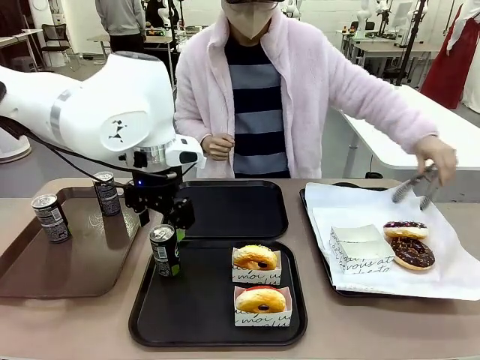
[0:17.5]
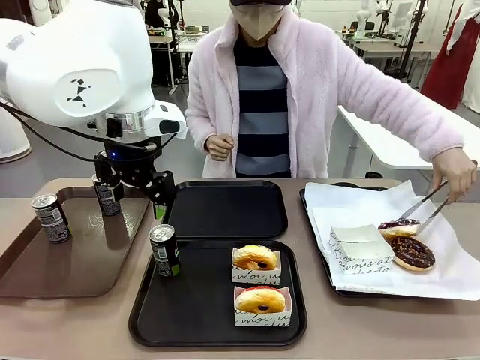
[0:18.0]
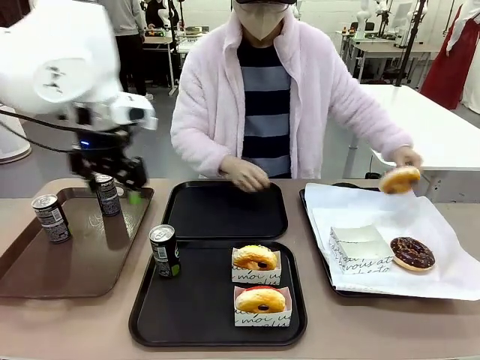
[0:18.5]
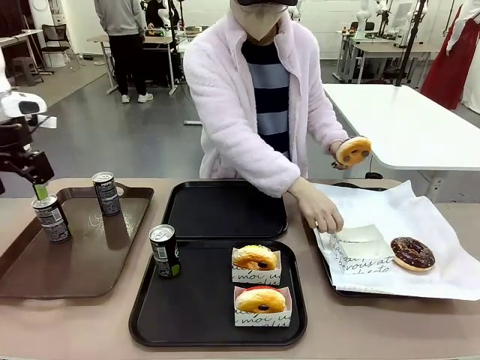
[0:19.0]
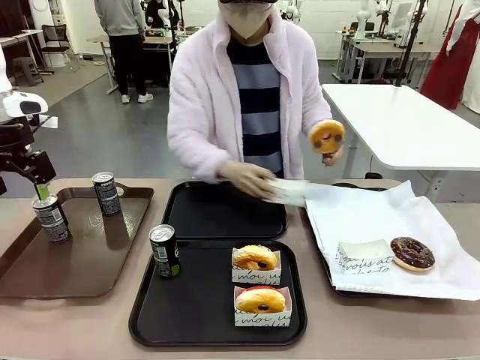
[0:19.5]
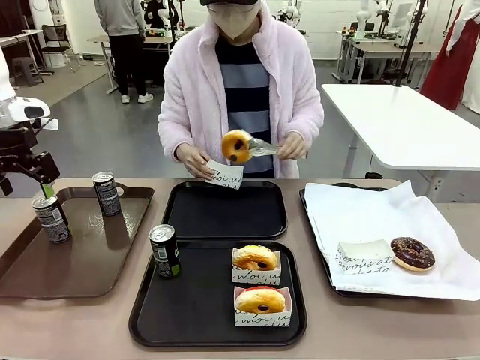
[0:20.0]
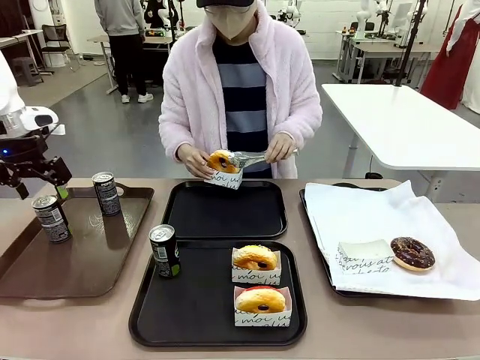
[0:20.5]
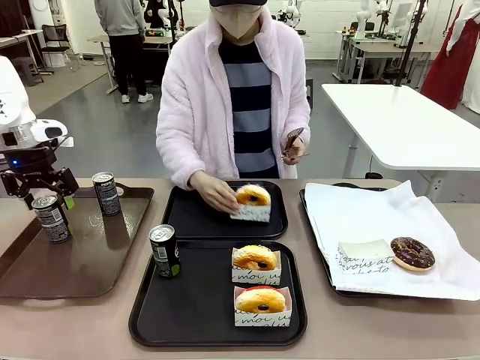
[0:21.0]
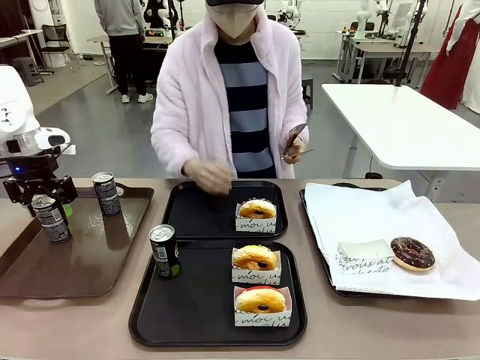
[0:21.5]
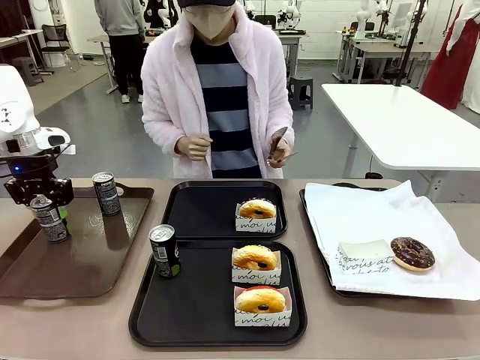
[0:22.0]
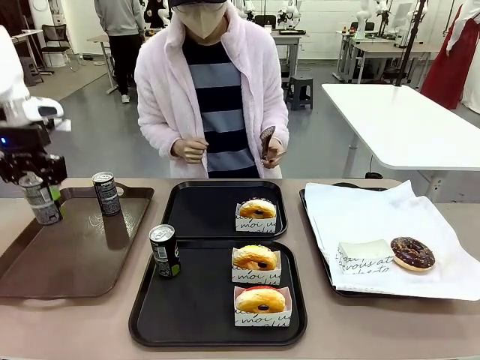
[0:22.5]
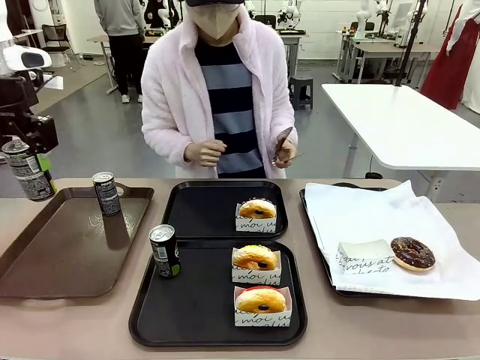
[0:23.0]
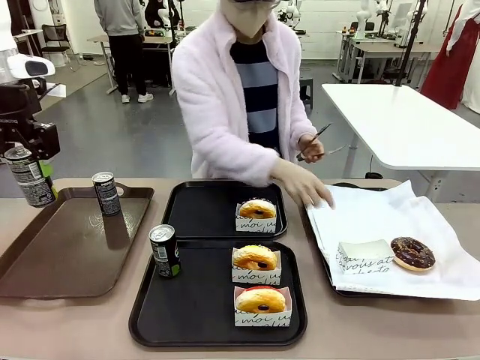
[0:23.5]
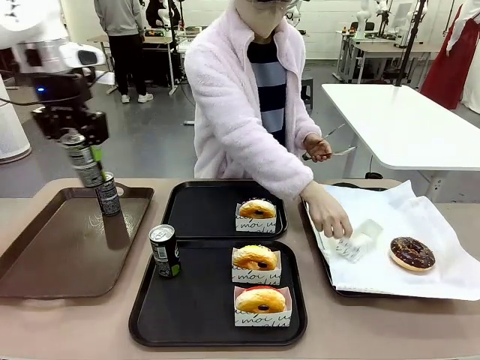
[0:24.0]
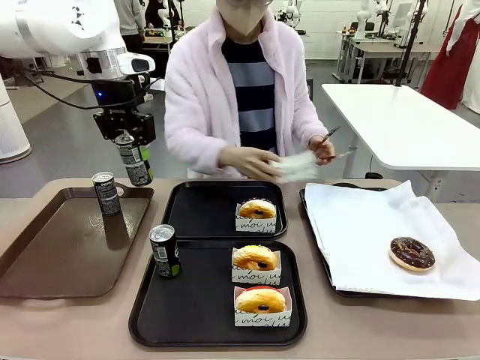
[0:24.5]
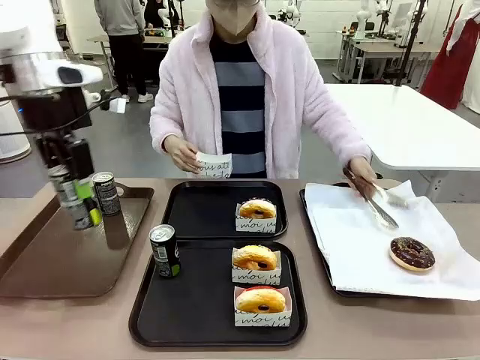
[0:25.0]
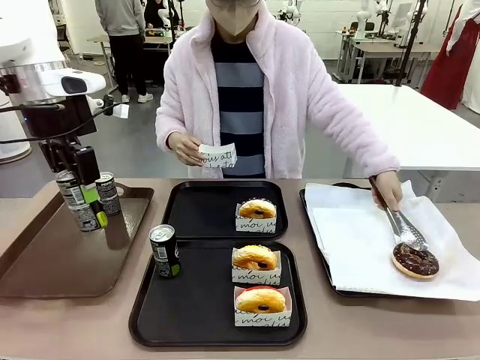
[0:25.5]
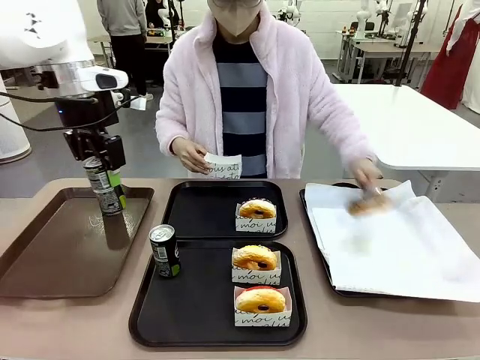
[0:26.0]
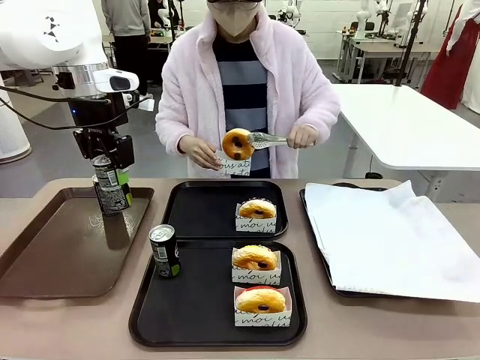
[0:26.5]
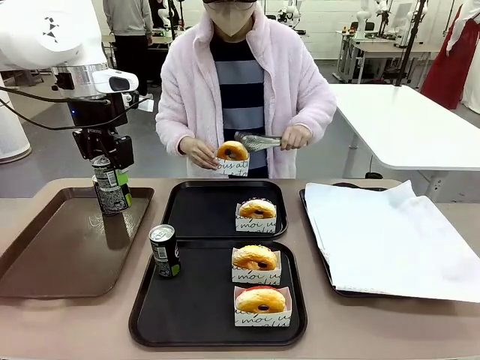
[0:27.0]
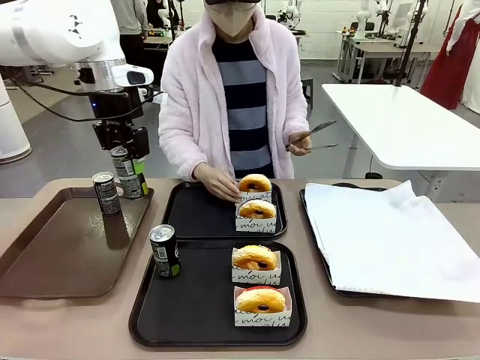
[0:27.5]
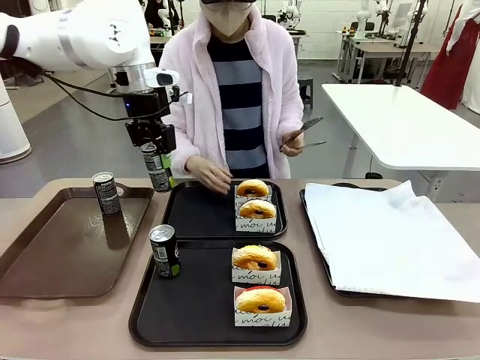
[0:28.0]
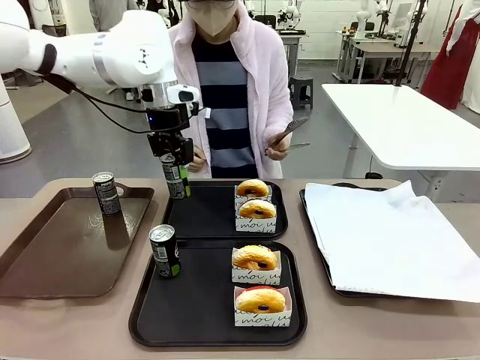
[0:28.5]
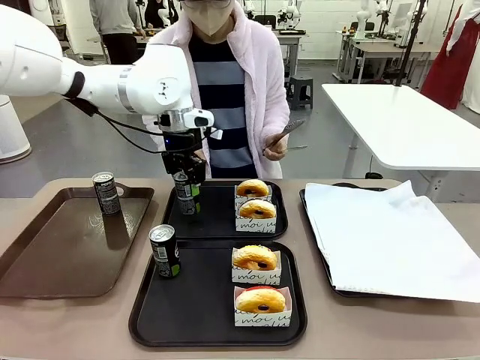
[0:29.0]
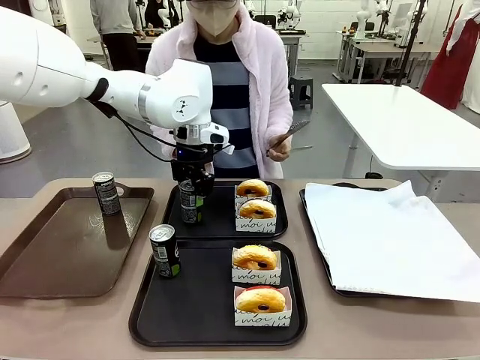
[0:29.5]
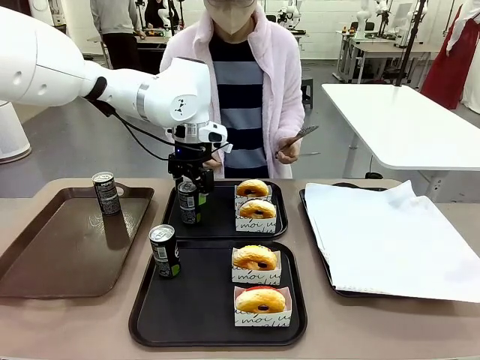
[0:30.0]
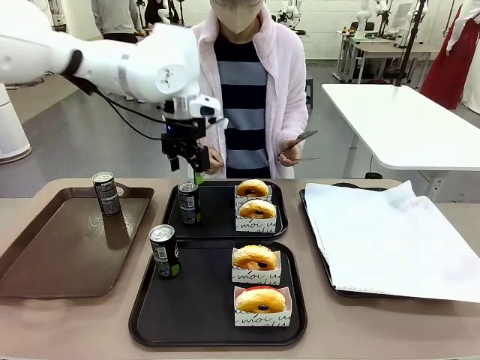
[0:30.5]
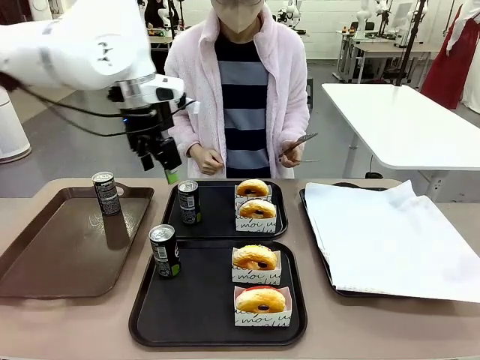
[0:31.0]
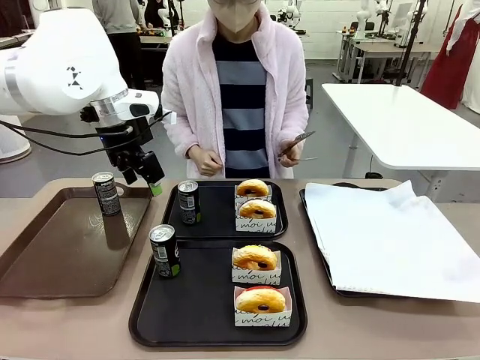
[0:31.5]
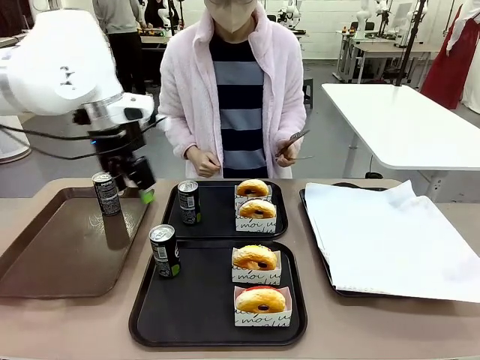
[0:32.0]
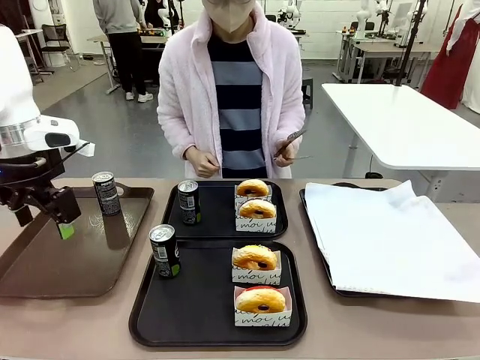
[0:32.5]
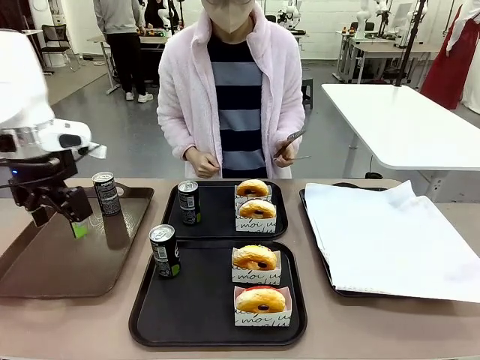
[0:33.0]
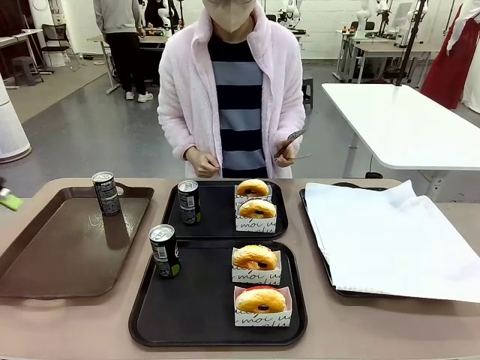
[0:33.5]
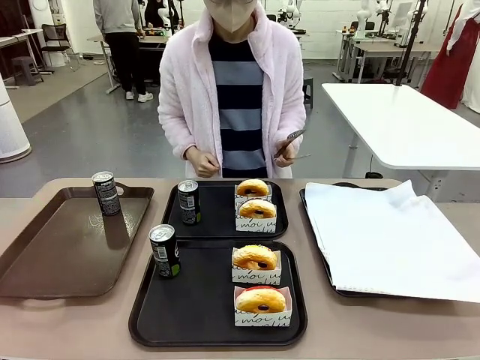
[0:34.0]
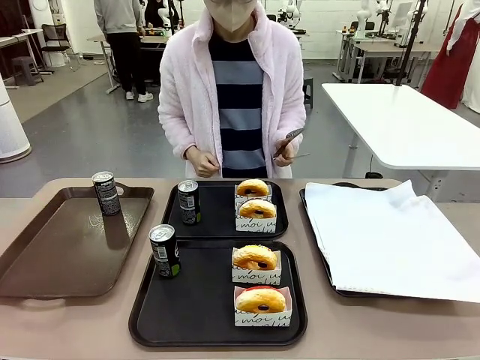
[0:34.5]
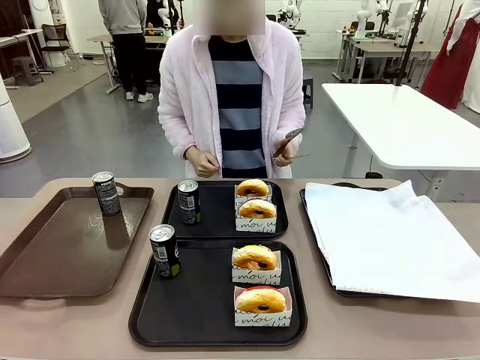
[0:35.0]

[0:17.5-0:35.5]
Task: Set up donuts and drinks on trays.
Robot: Pick up one Pepsi coke from the Handle tray and place it on the Flat Tray without a Pepsi coke.
Person: Pick up one donut with tongs, place it in the donut tray, and then place the donut tray on the flat tray.

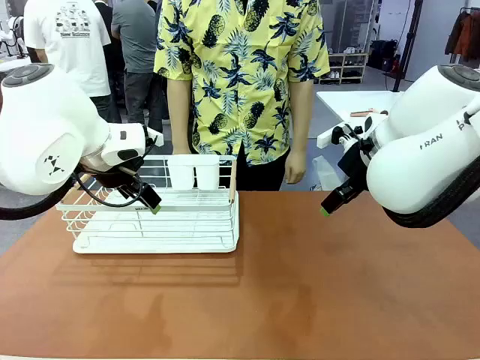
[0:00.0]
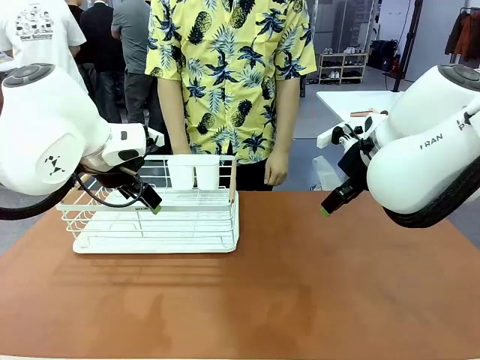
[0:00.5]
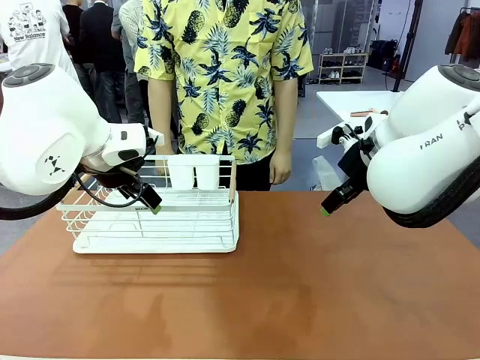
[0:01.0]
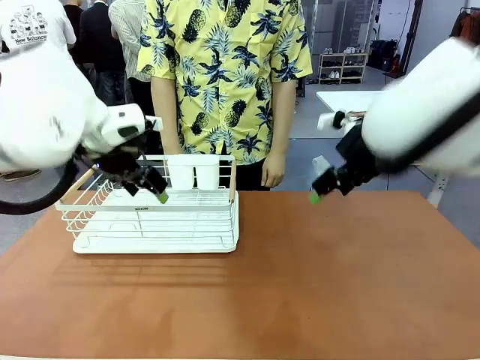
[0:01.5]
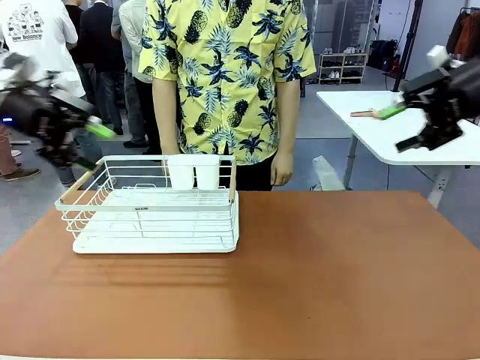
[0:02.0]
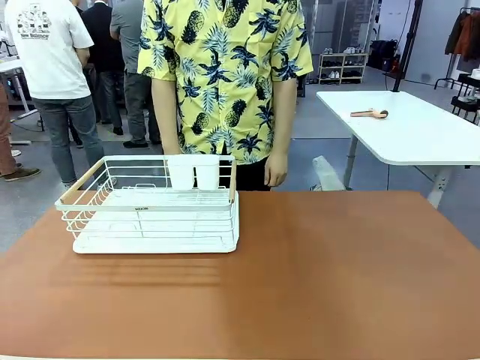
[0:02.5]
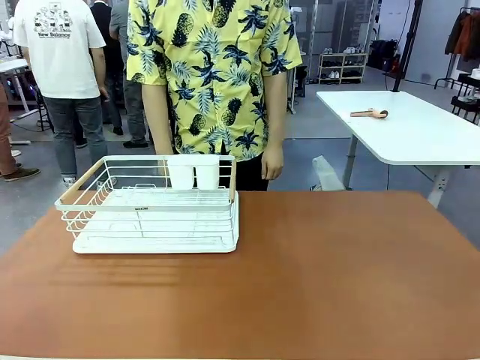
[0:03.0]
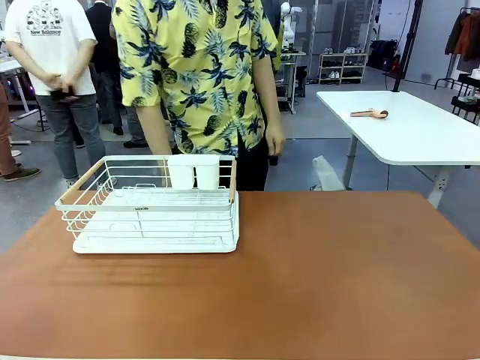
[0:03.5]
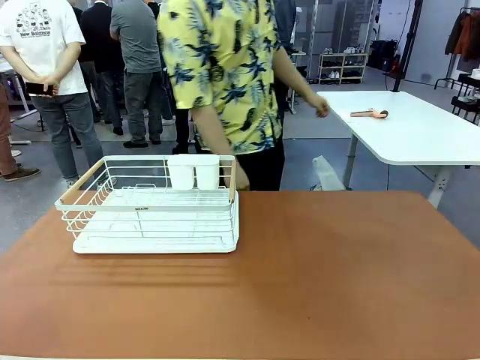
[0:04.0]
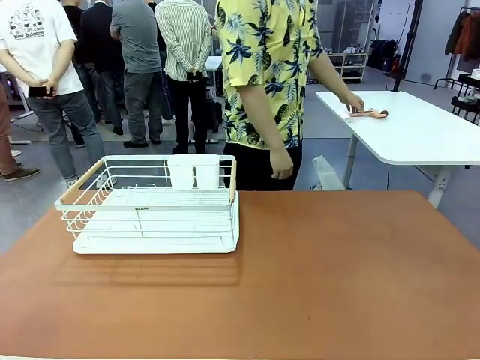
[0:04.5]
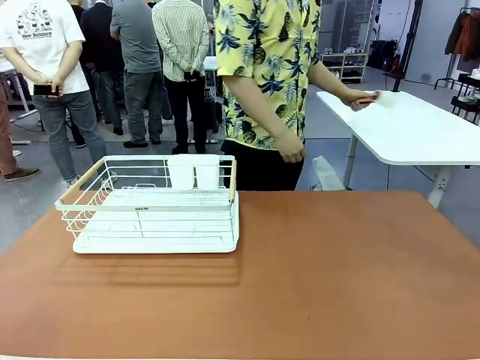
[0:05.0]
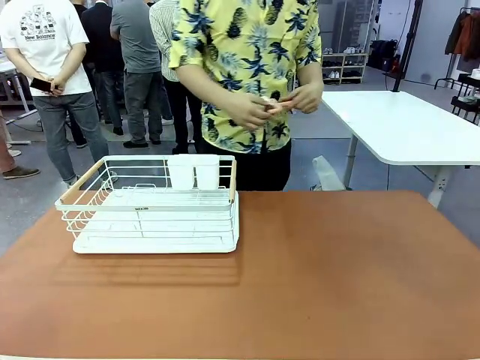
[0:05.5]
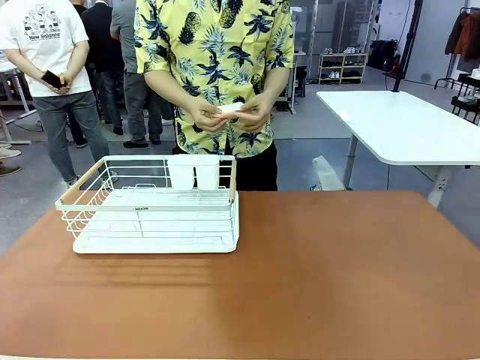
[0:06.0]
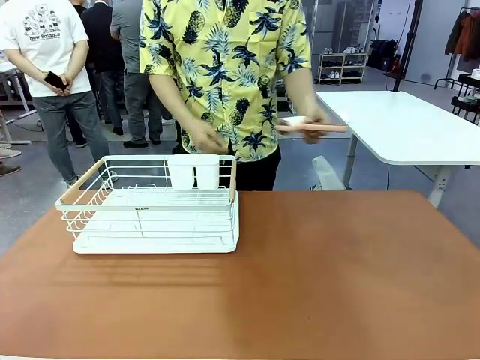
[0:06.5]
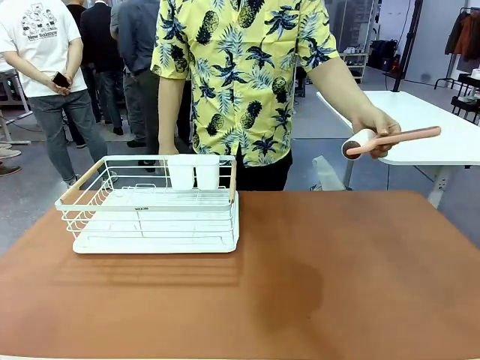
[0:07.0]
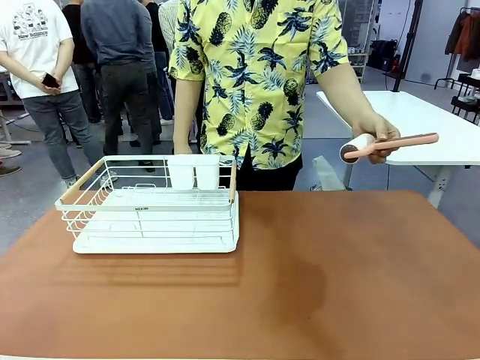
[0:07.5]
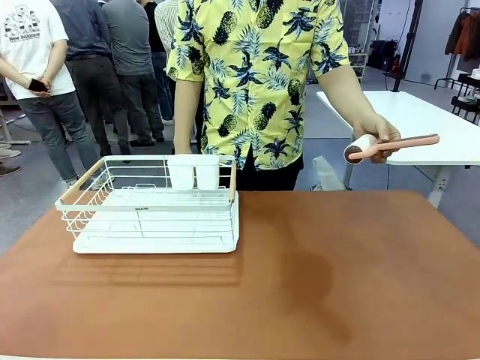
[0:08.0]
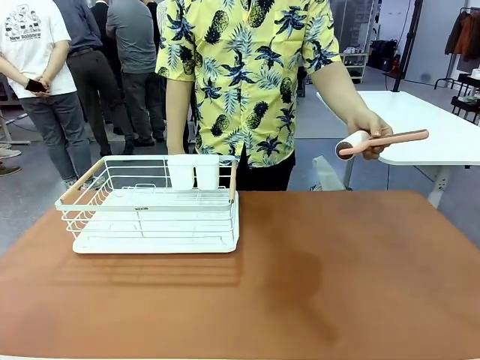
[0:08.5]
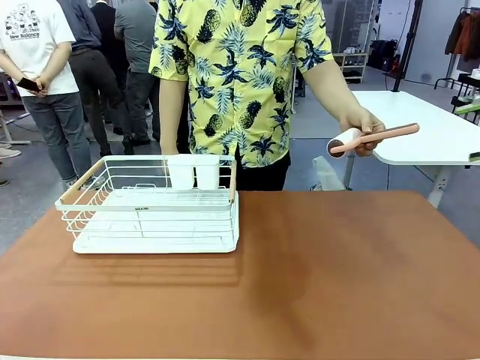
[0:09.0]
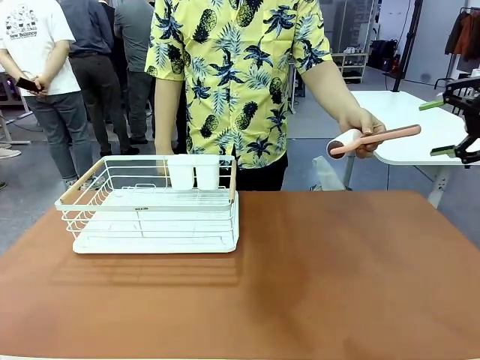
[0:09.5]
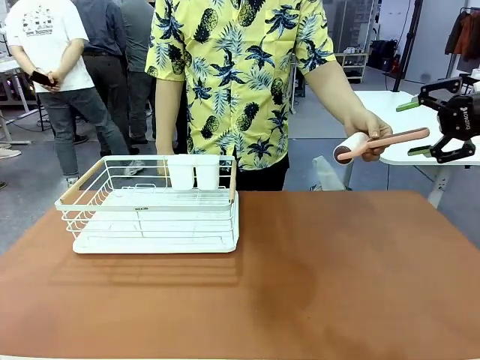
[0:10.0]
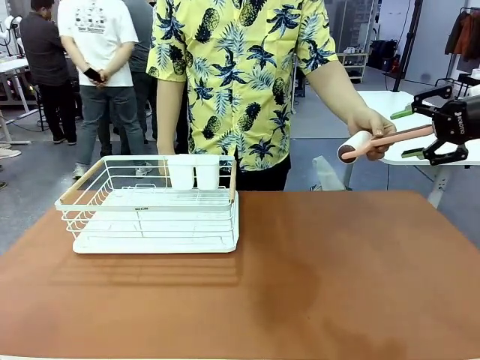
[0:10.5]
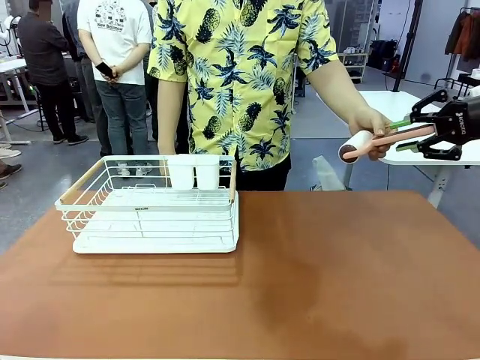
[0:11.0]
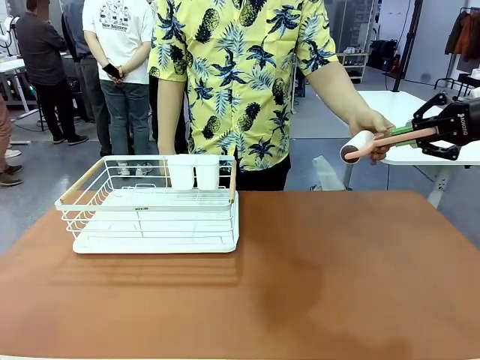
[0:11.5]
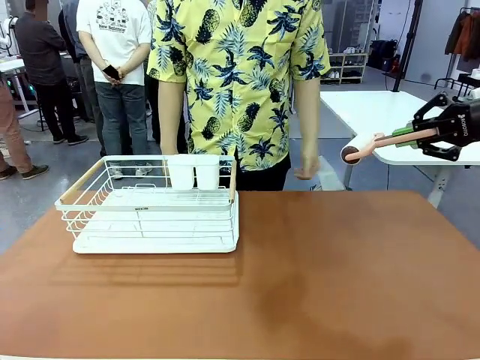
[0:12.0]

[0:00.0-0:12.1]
Task: Clean the table.
Robot: Pick up the Lint Roller when the human hands it over.
Person: Hand the Lint Roller to the robot so it can easily pick it up. Lift the Dish drying rack.
